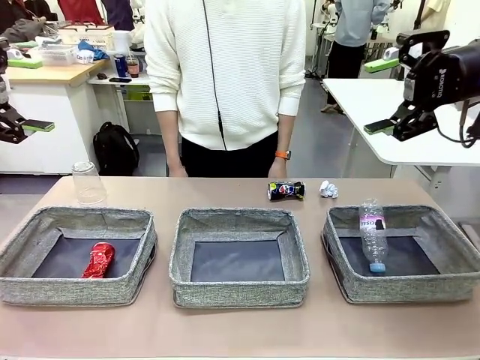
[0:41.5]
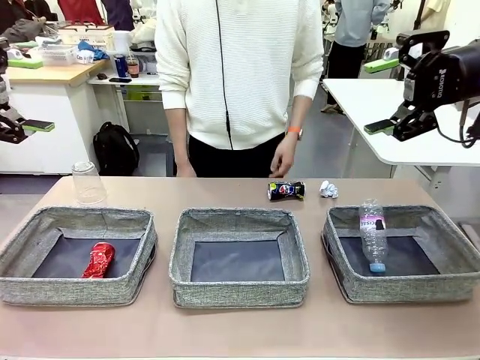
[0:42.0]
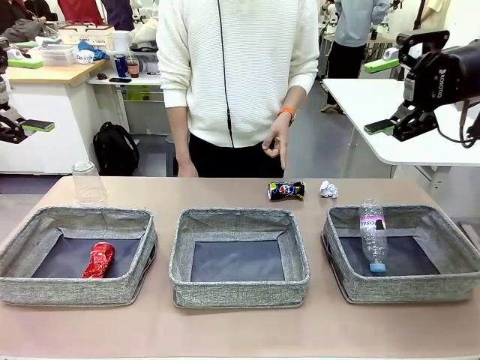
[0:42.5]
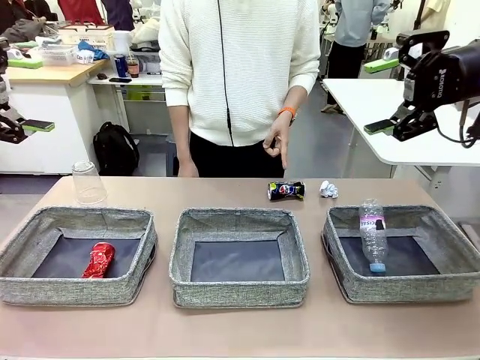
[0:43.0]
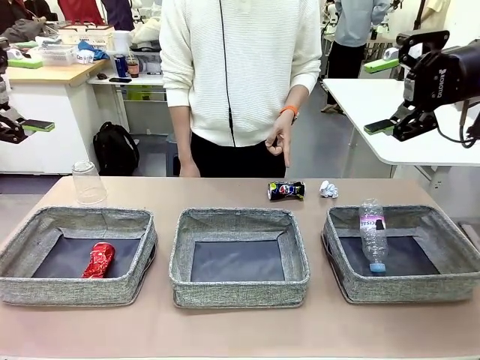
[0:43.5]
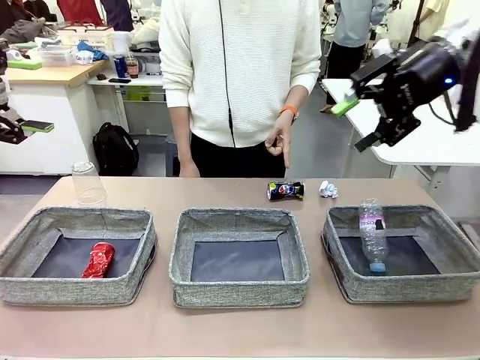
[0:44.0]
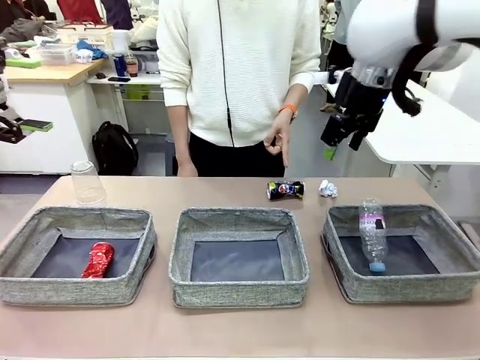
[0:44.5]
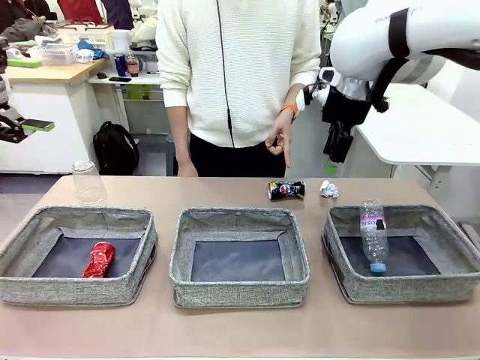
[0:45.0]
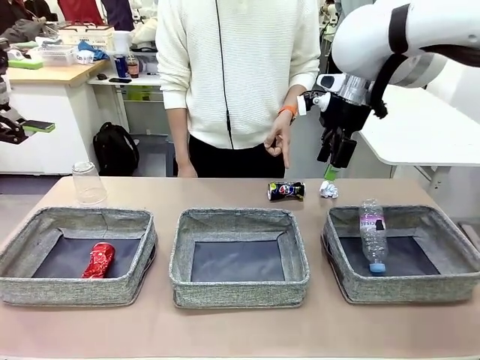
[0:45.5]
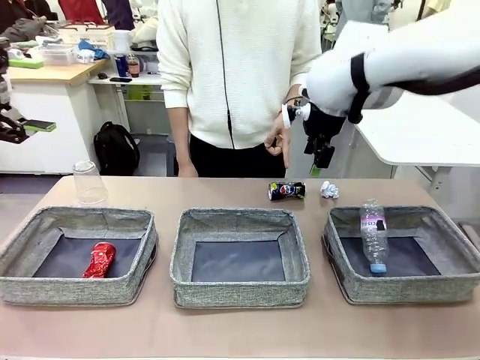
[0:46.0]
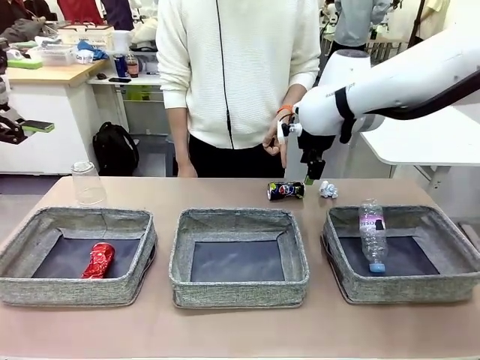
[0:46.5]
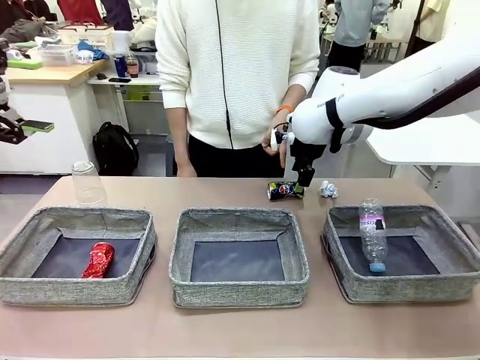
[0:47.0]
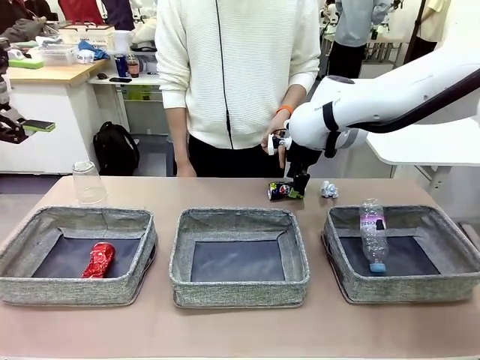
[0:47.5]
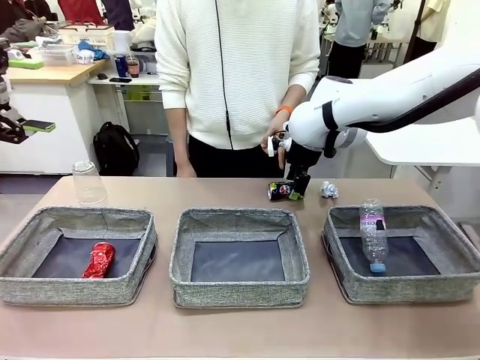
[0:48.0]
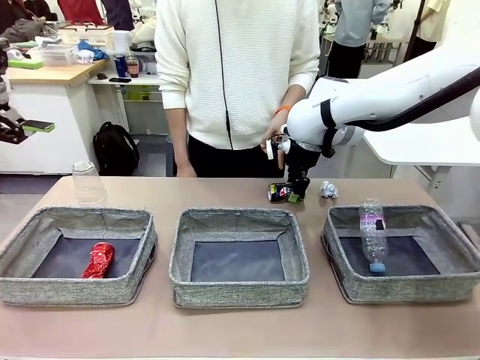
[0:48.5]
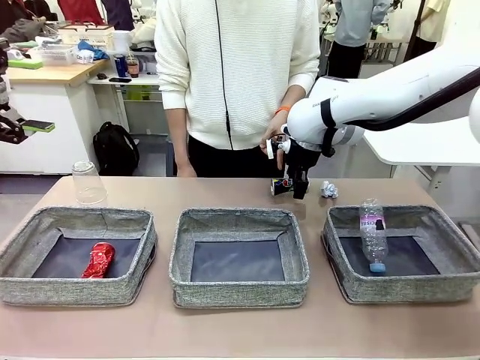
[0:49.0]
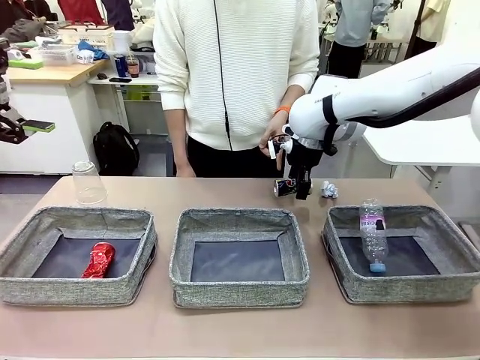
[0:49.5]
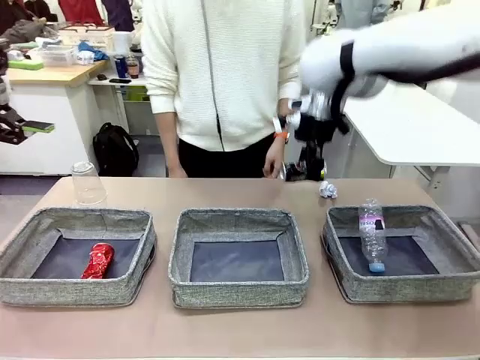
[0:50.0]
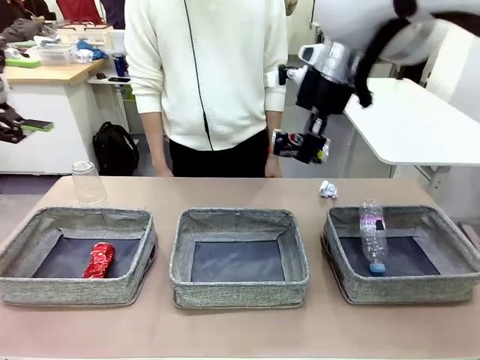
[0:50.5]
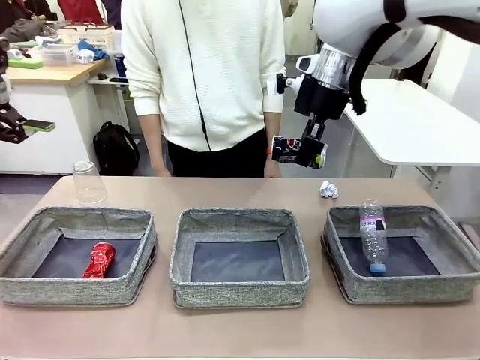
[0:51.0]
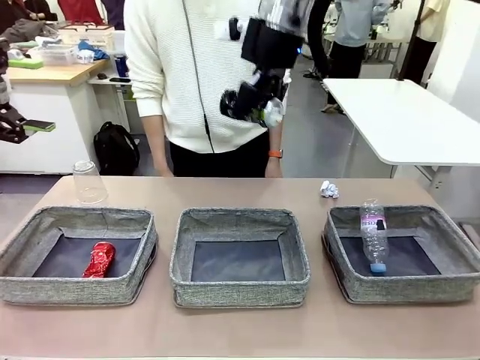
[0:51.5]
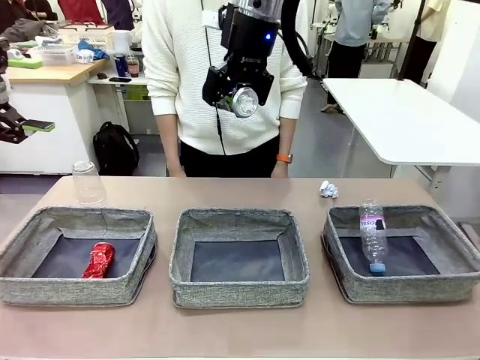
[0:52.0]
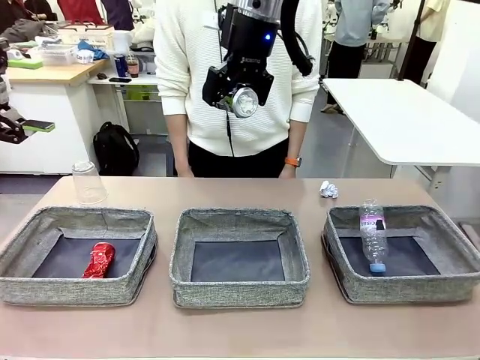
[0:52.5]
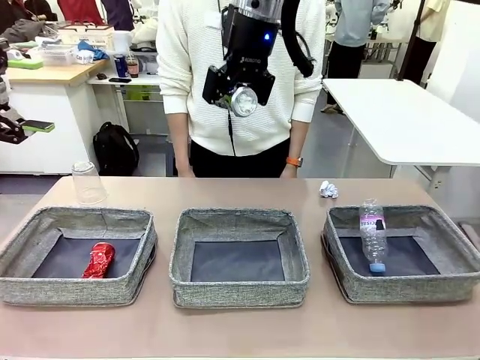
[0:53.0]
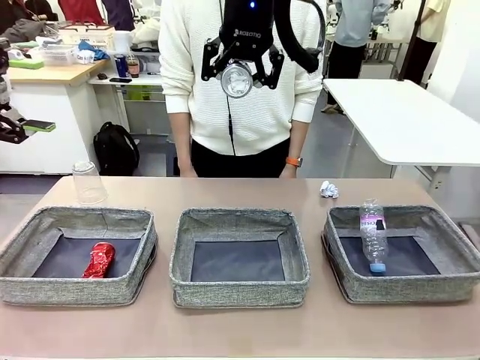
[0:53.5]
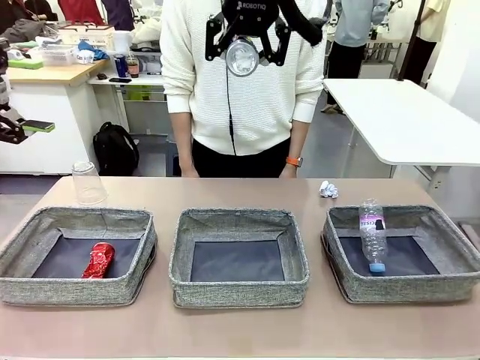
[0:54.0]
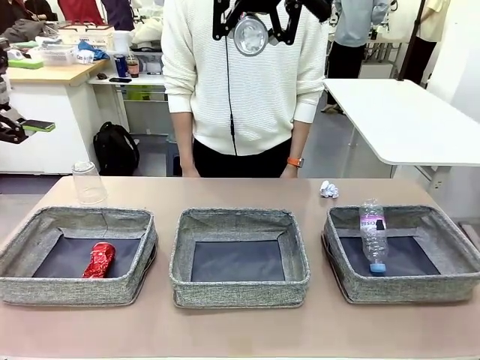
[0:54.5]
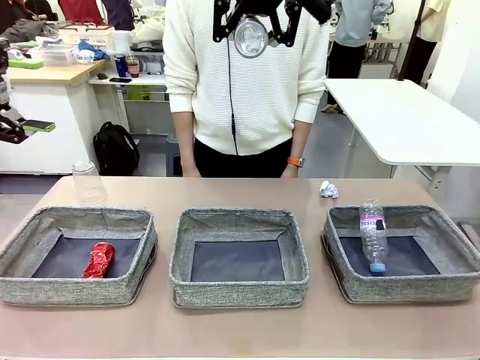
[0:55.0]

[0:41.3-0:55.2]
Task: Sort the waste into the appropriate baskets.
Robot: Pick up the waste item pointed out by the person.
Person: Points to one piece of trash on the table.

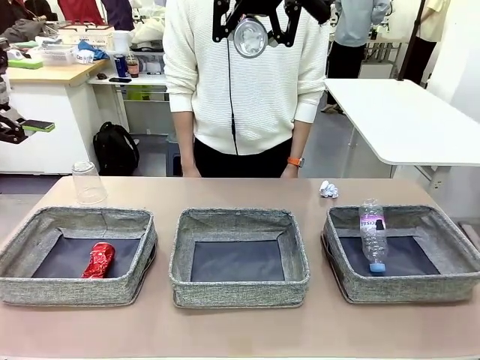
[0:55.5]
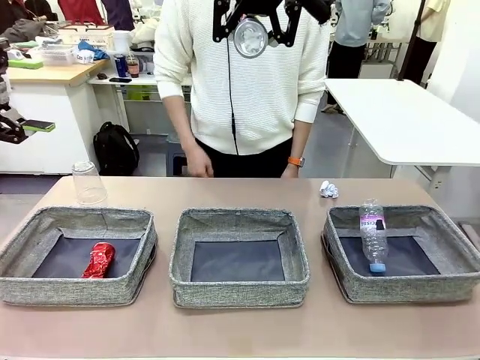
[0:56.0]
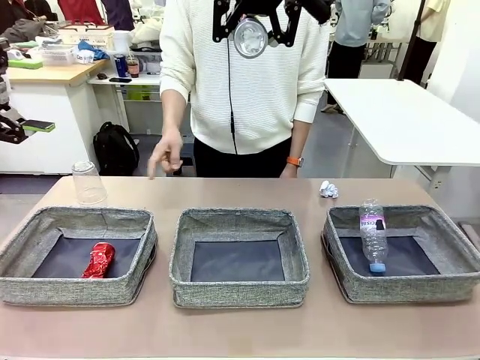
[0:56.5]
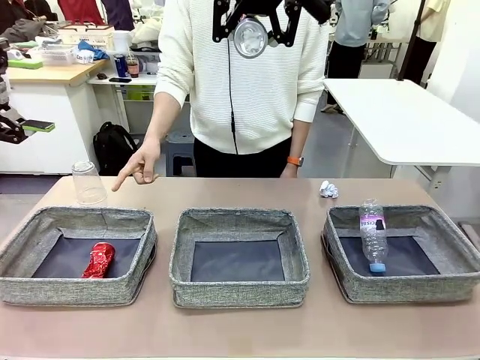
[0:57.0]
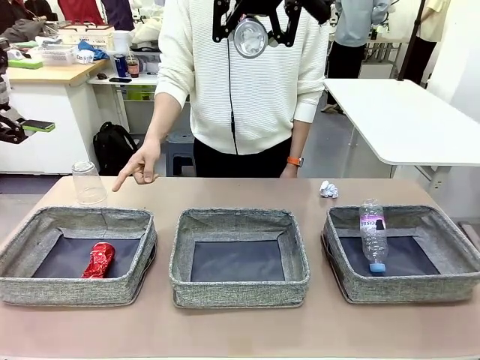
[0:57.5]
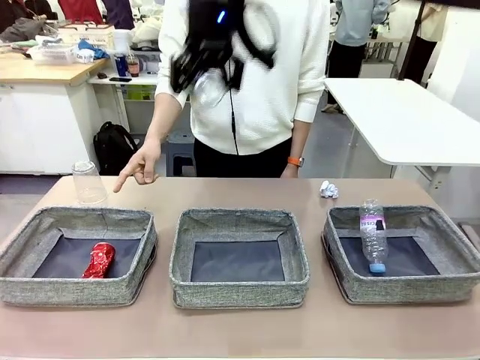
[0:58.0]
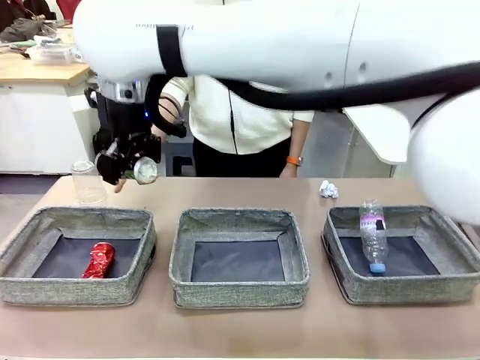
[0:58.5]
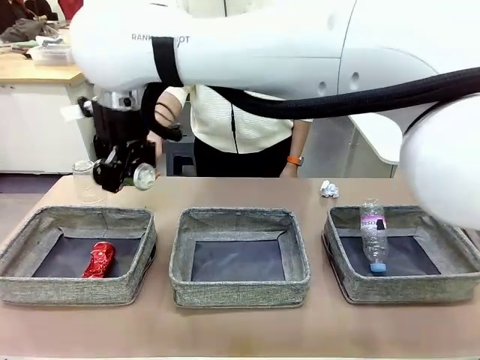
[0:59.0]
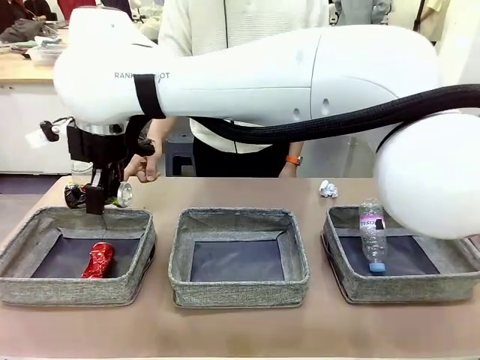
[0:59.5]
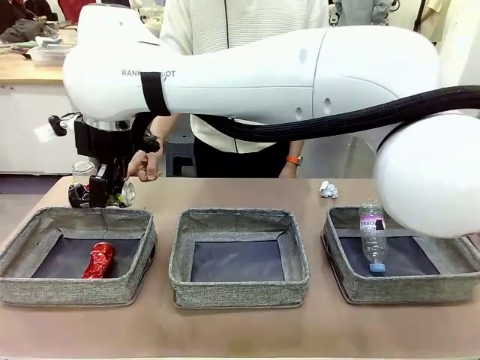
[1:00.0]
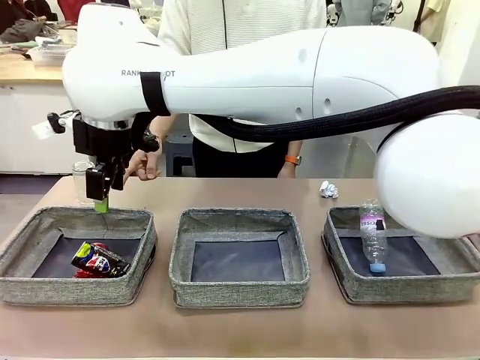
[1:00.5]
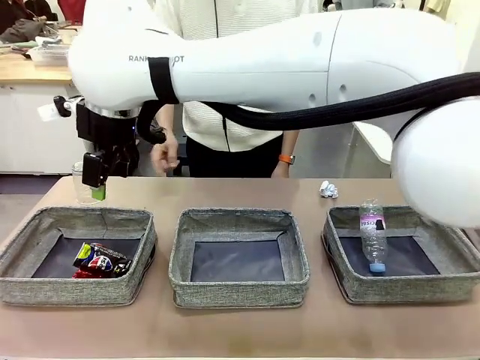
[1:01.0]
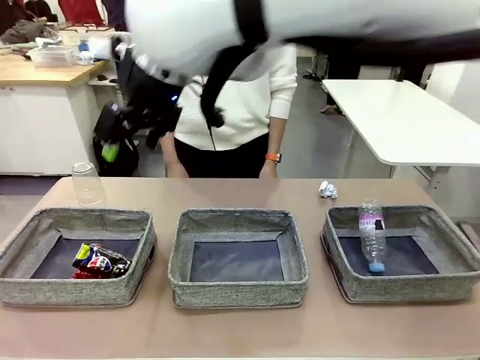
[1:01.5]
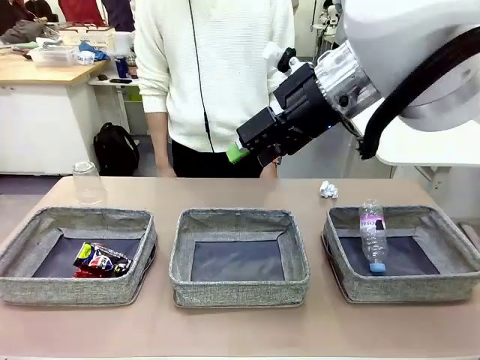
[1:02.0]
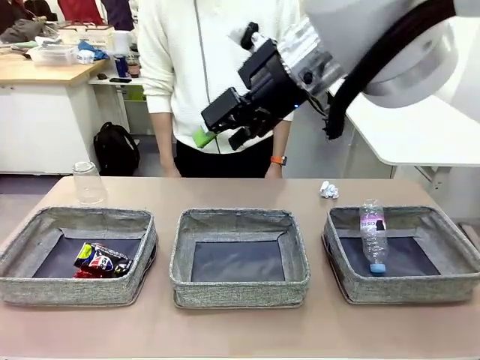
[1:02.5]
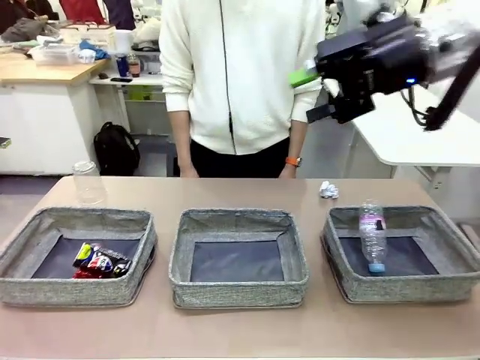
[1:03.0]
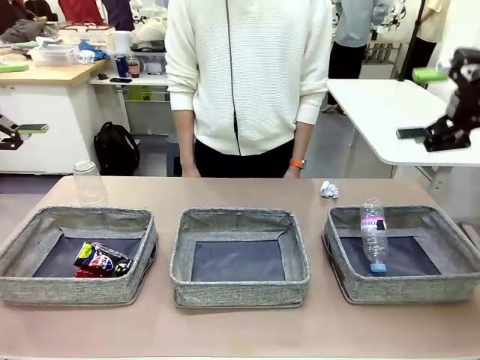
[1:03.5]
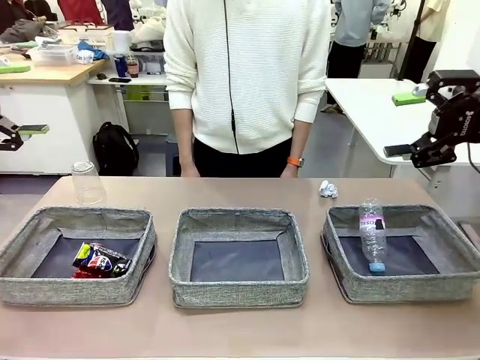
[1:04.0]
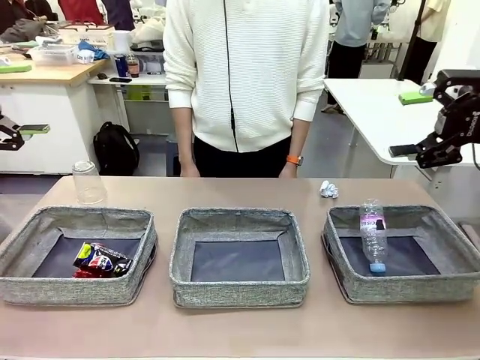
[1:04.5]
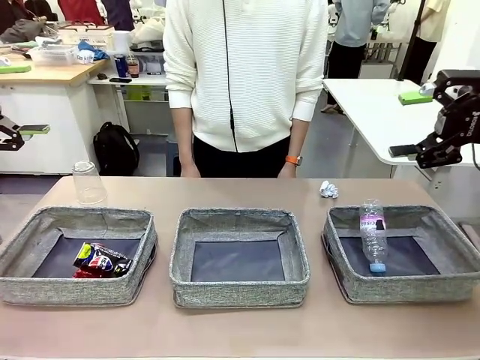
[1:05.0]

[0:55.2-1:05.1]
Robot: Place the picked waste into the Fabric basket indicated by the person.
Person: Instructs the robot to place the picked-up trash into the appropriate organizing basket.

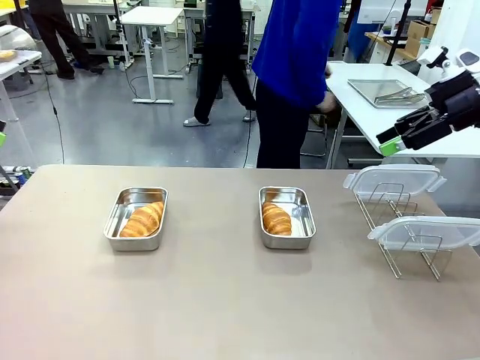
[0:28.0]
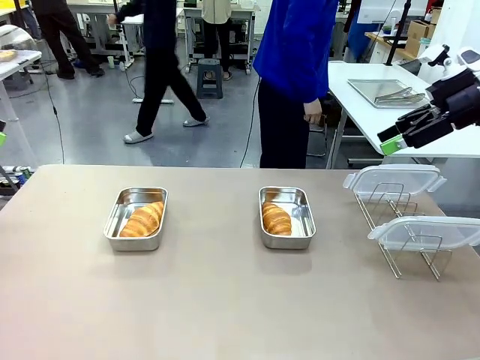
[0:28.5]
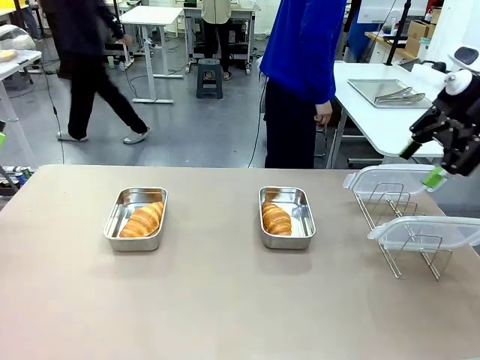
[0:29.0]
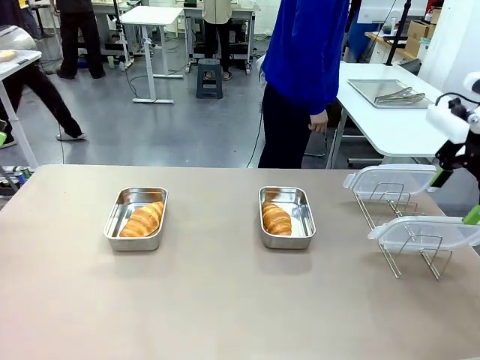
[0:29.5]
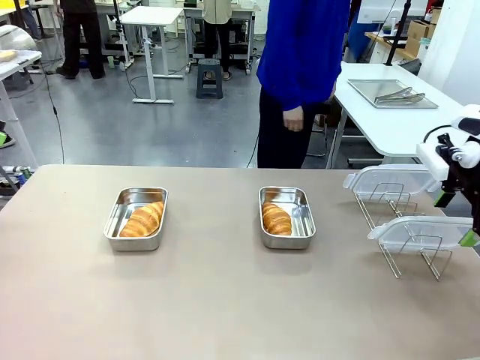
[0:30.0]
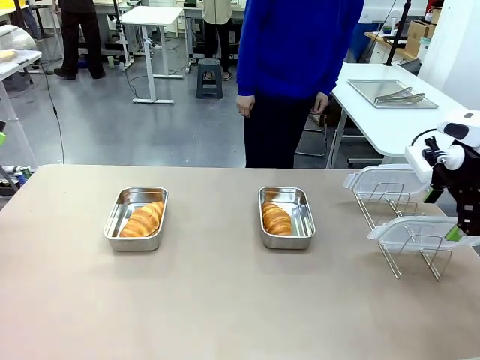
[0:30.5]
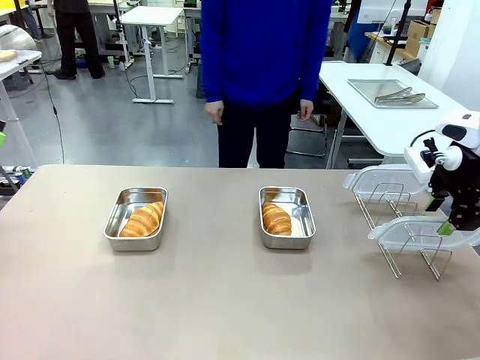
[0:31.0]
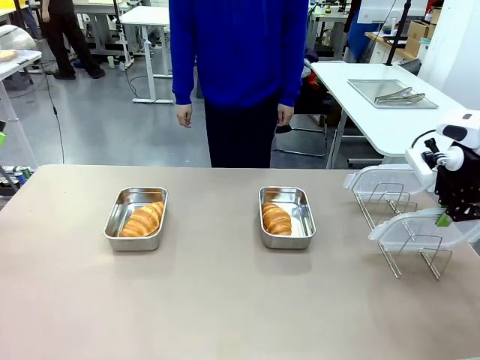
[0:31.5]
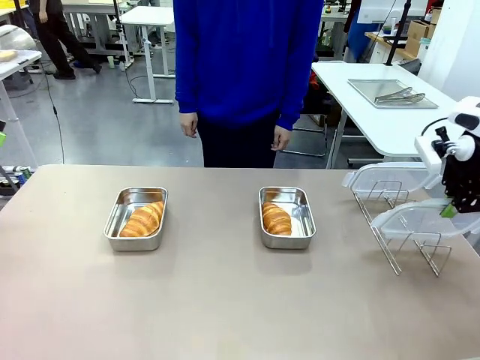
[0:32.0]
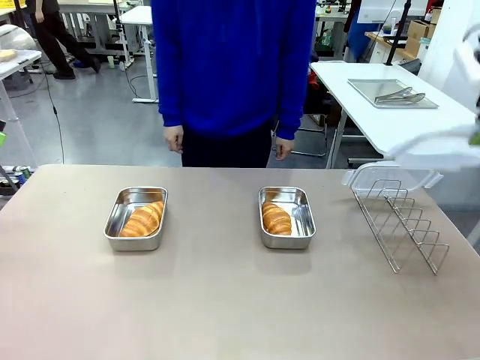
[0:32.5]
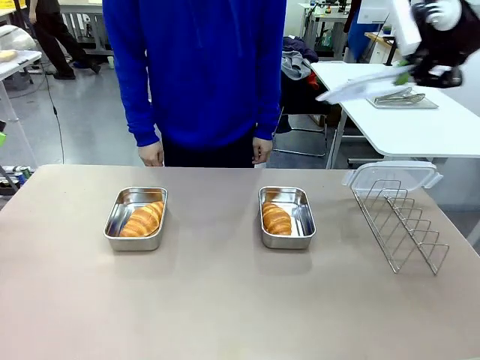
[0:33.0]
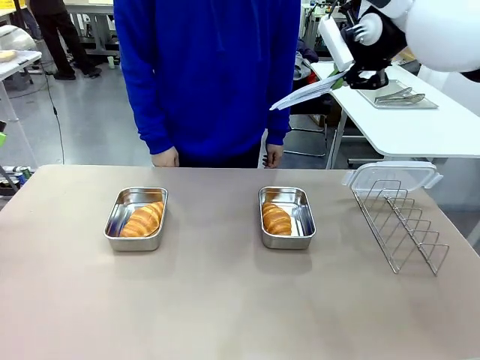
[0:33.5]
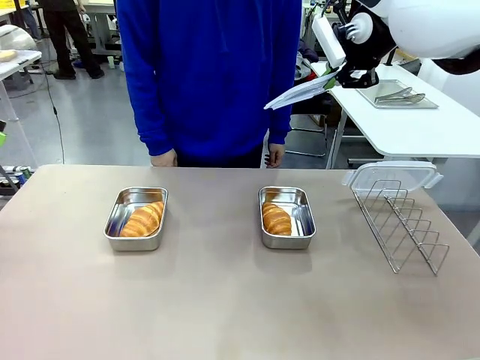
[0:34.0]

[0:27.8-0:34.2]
Task: Place the bread in airtight containers.
Robot: Pick up one Airtight Container lid and hand it to the human.
Person: Grip Airtight Container lid that robot is handing.
